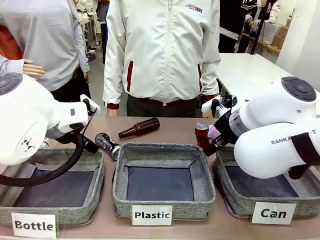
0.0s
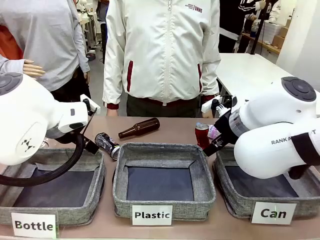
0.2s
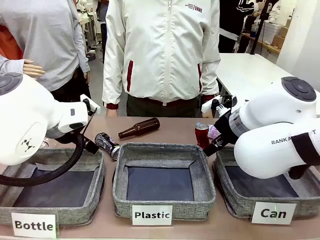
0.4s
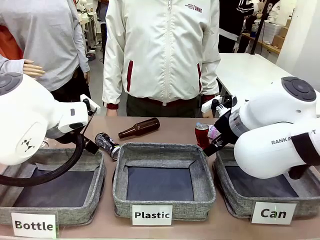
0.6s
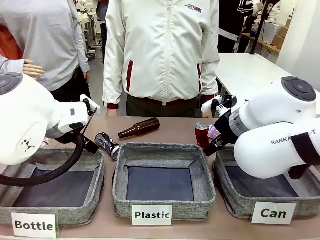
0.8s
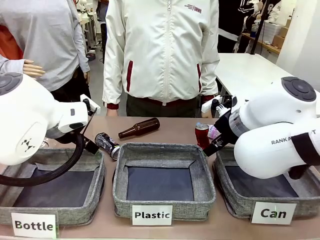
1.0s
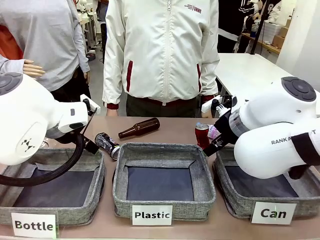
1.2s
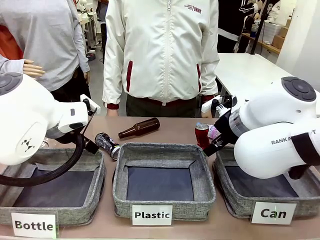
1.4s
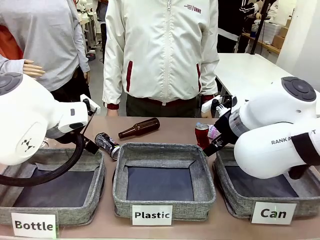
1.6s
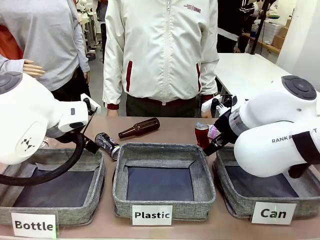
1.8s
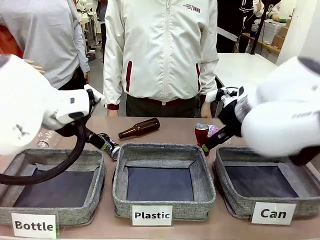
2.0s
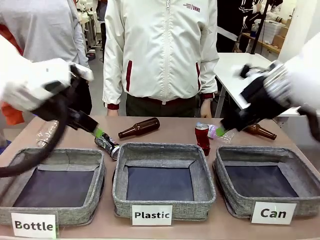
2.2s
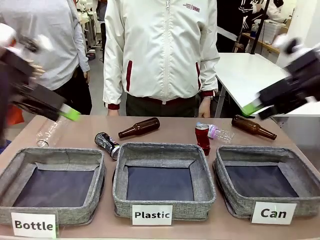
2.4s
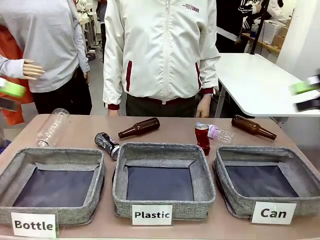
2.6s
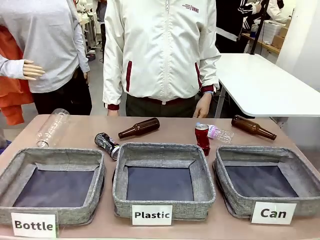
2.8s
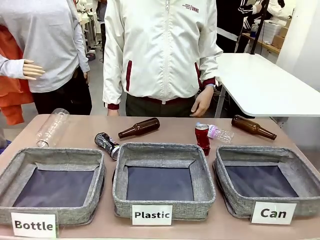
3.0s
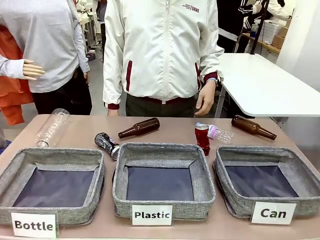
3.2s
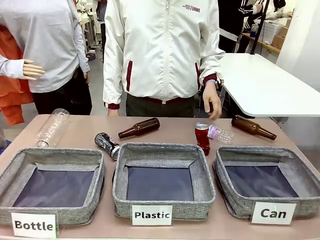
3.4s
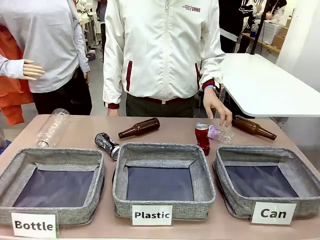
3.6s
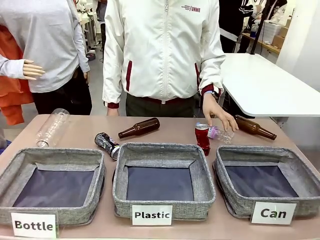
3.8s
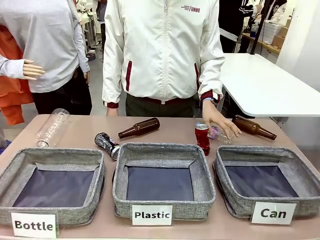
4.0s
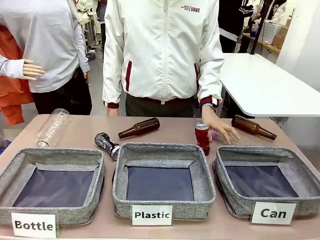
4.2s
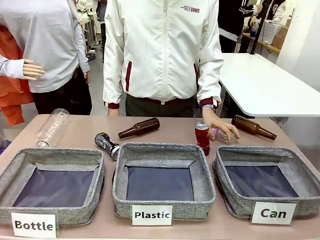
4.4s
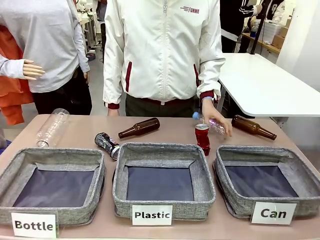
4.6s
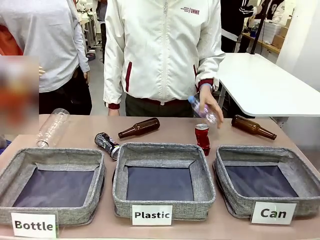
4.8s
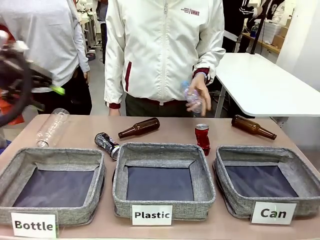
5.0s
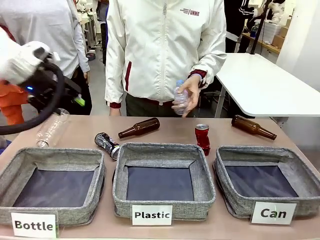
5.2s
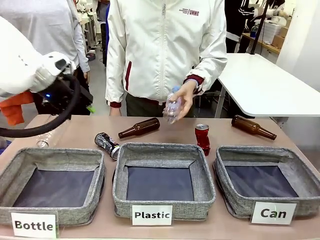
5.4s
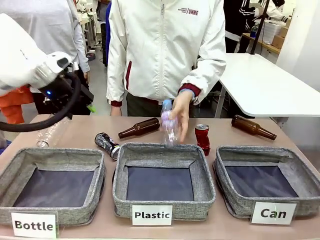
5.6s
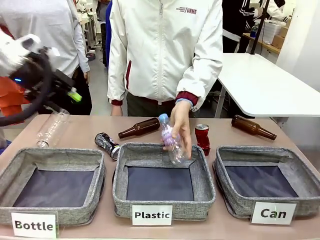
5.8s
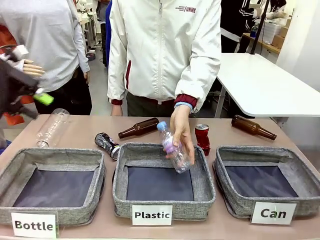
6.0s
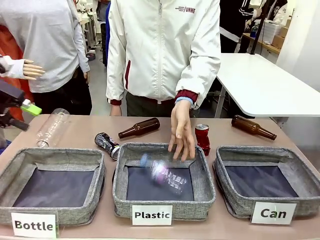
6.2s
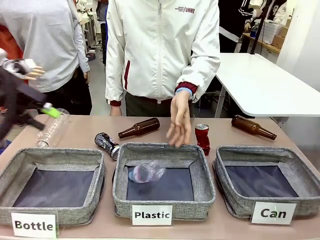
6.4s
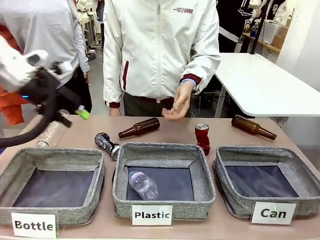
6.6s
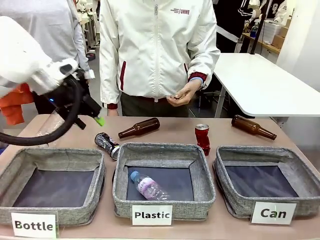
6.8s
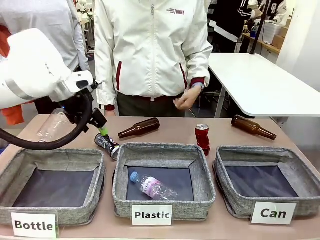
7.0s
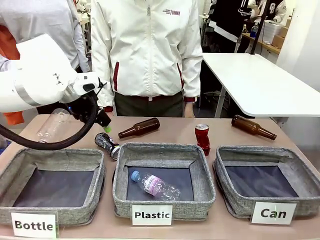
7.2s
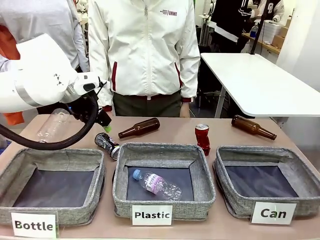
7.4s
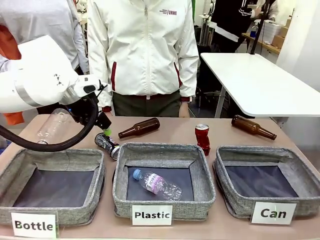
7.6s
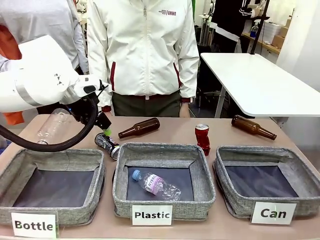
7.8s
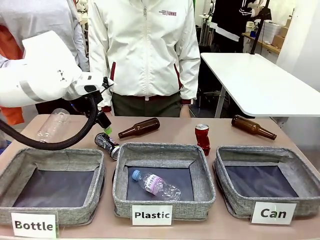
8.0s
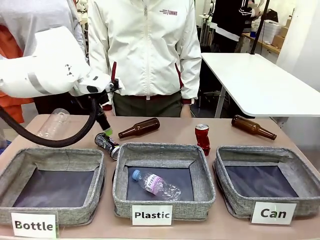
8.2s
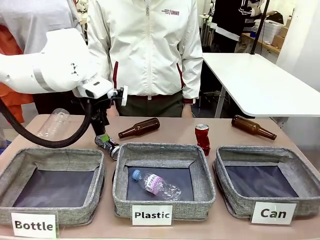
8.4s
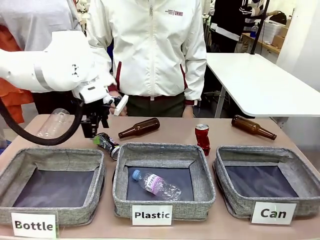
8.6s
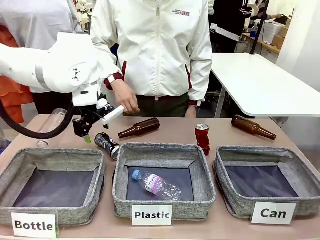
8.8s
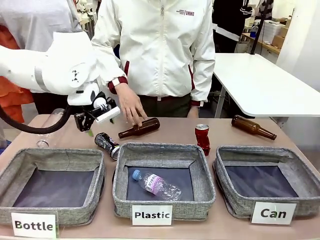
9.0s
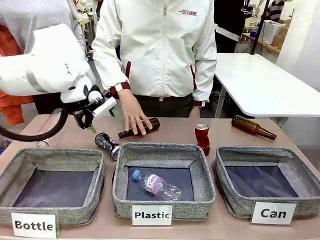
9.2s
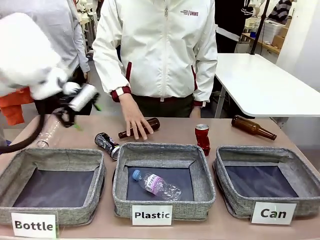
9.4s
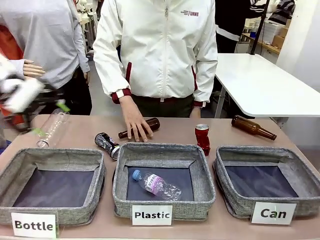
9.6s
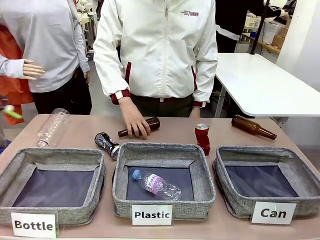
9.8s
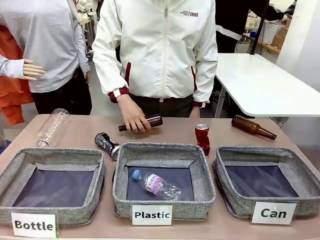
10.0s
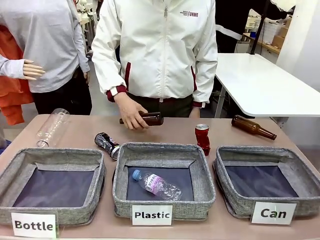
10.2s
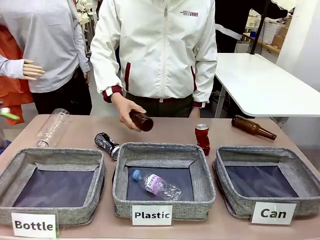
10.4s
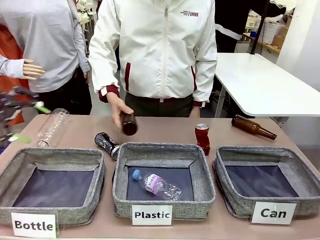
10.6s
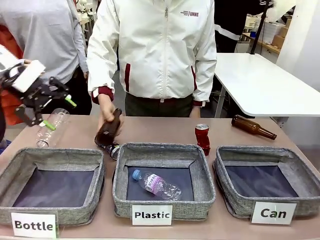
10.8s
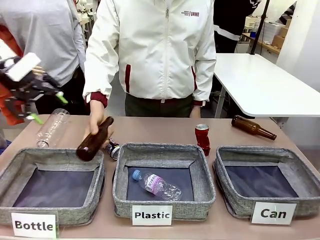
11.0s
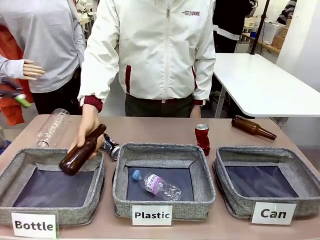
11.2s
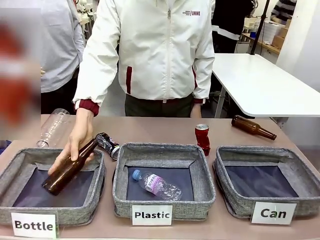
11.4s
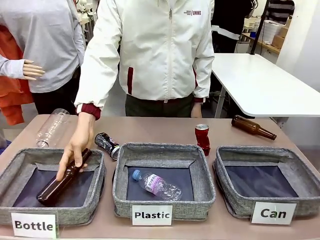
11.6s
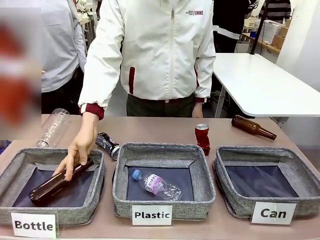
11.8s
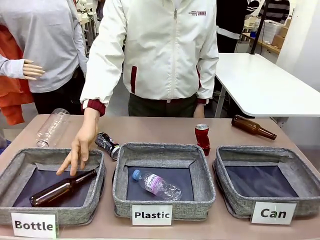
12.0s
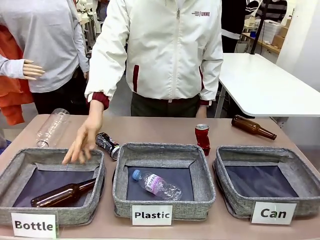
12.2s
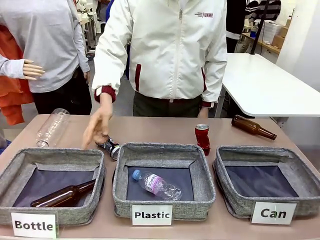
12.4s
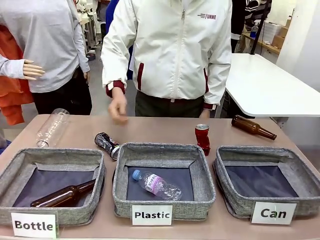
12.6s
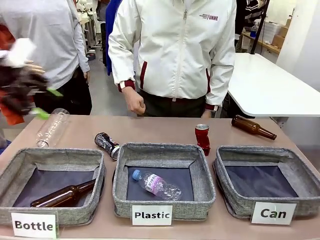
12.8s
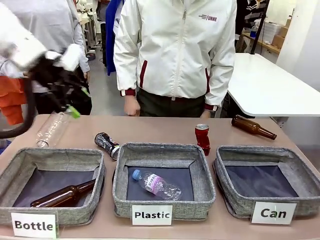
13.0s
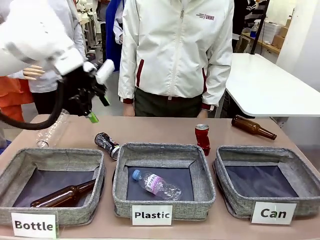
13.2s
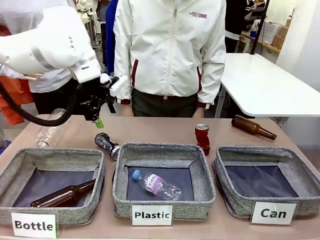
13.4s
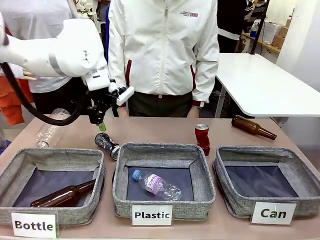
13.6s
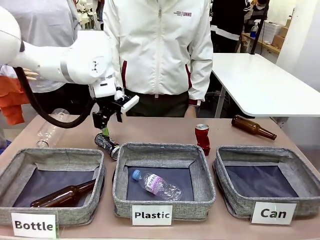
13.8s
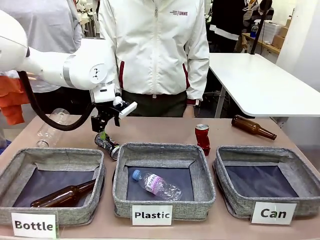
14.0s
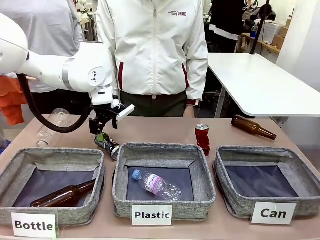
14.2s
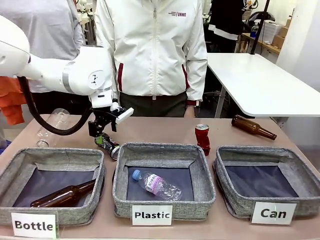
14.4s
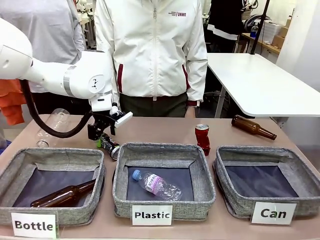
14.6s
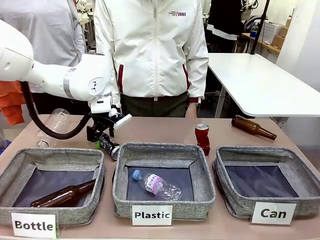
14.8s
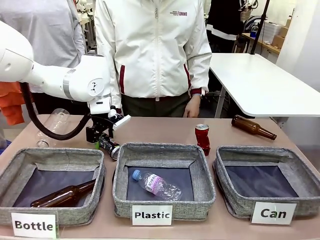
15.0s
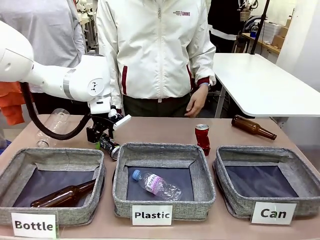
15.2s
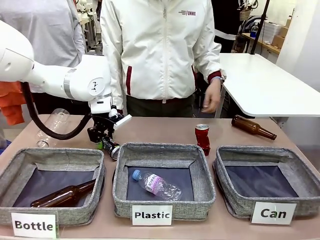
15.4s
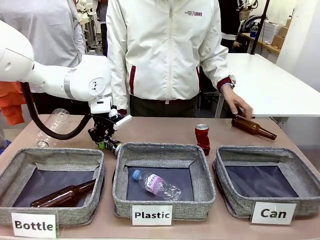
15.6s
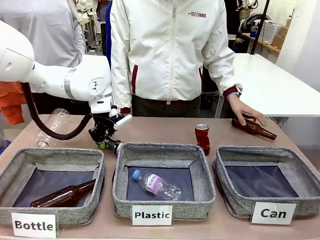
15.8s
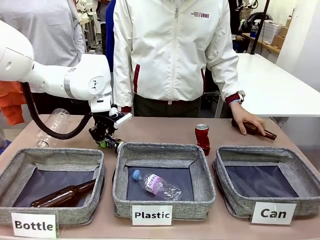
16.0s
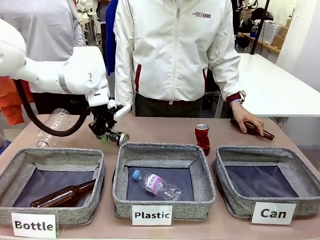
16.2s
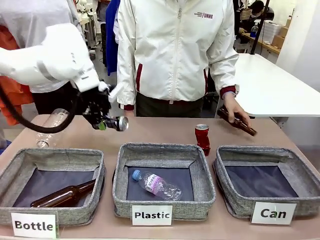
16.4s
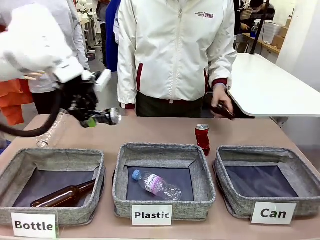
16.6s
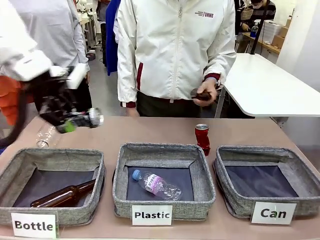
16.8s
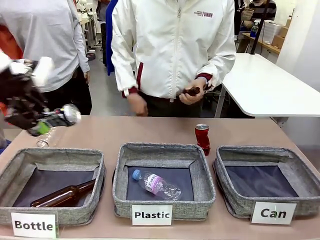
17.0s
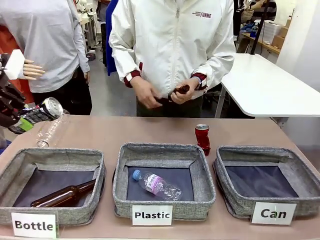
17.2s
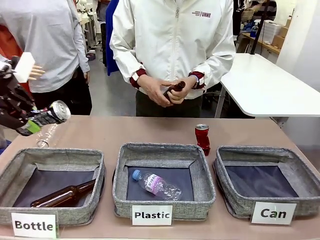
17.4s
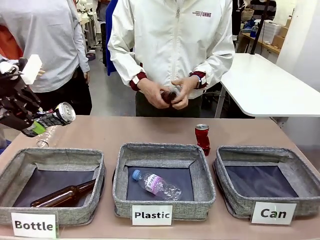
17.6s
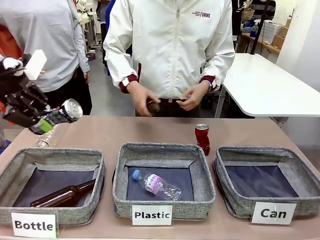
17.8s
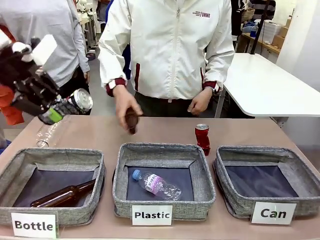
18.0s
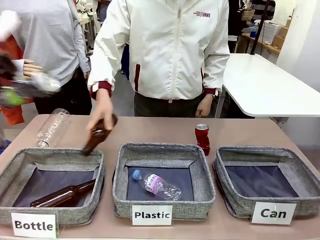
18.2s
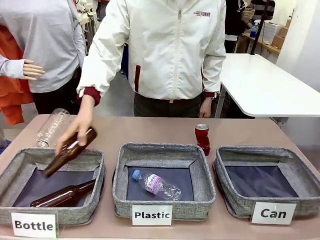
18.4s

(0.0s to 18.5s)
Task: Sort the can waste into the basket.
Robot: Pick up the can waste from the table and place it in the right Fabric basket.
